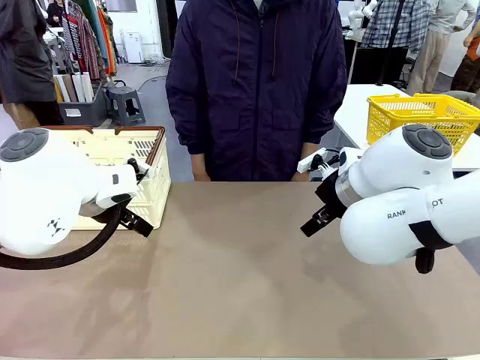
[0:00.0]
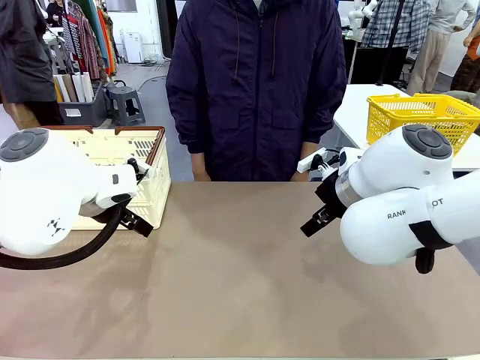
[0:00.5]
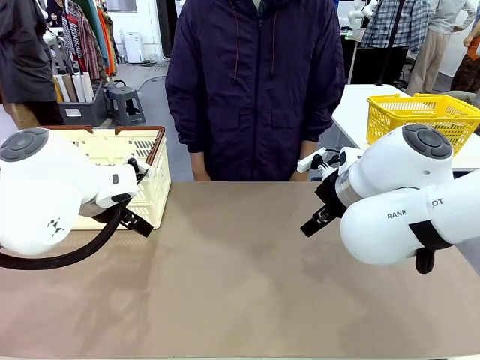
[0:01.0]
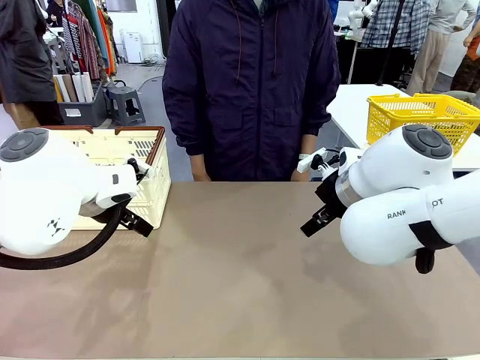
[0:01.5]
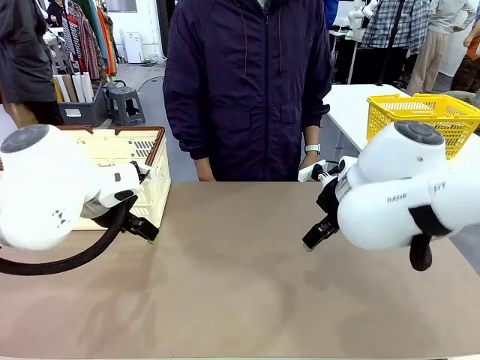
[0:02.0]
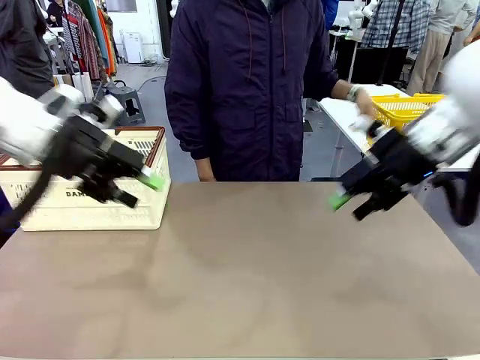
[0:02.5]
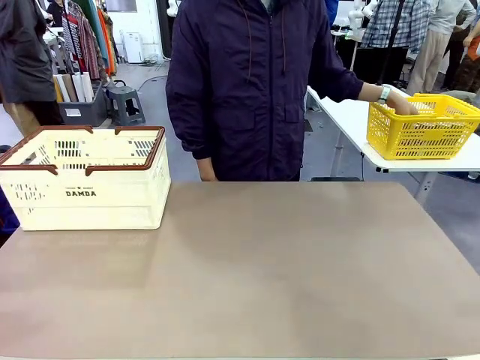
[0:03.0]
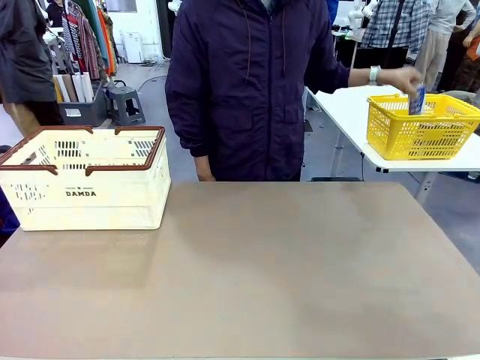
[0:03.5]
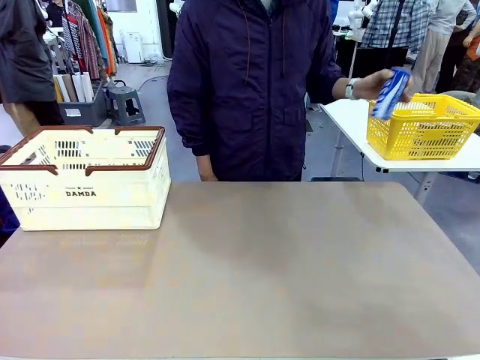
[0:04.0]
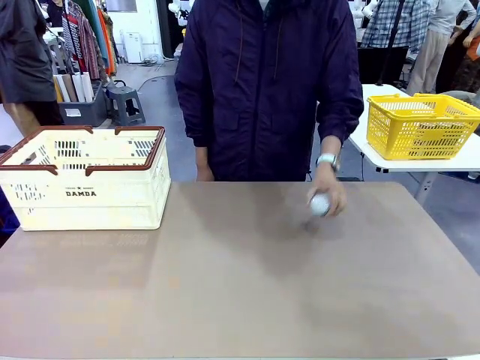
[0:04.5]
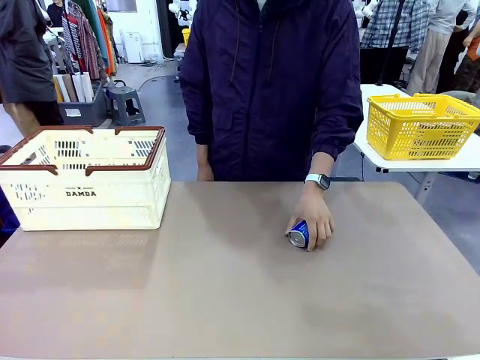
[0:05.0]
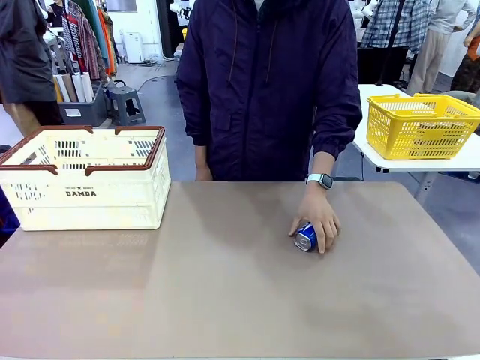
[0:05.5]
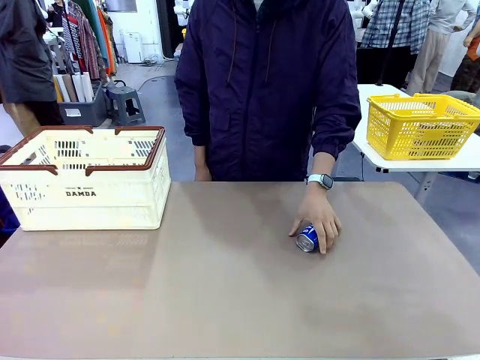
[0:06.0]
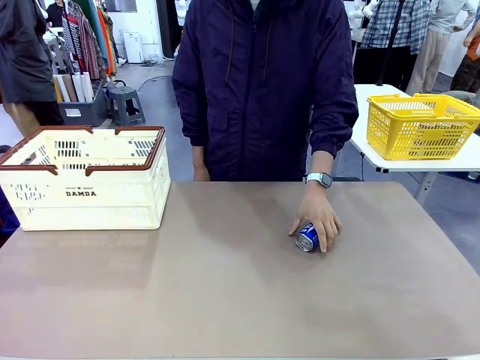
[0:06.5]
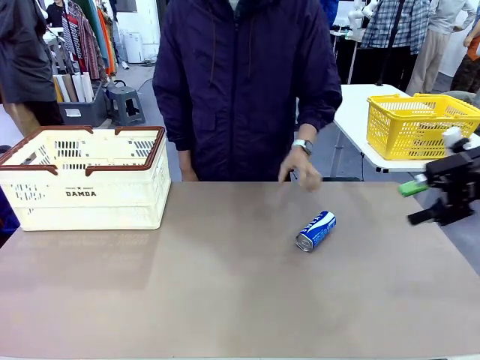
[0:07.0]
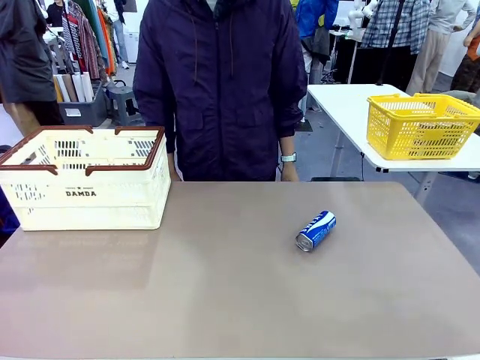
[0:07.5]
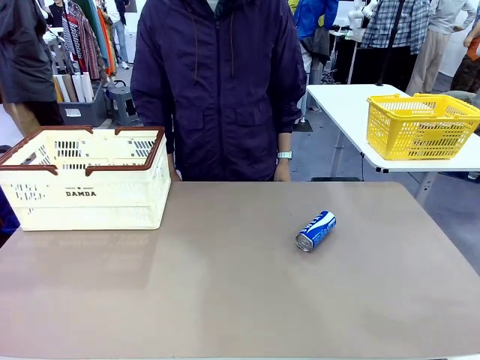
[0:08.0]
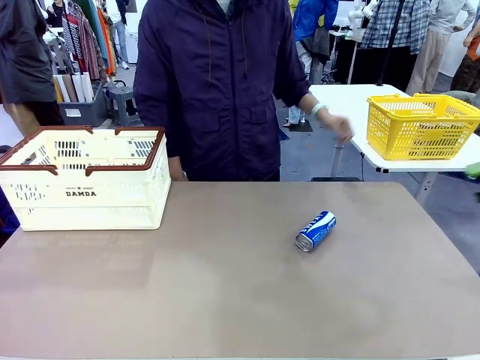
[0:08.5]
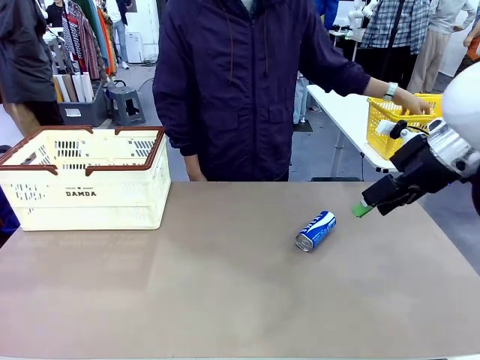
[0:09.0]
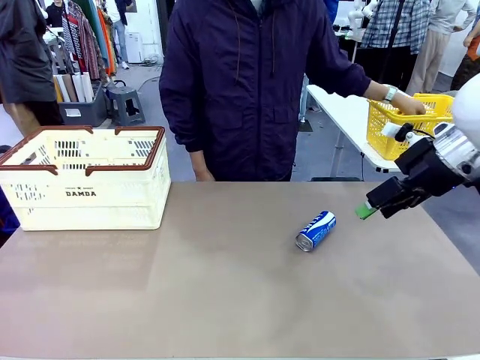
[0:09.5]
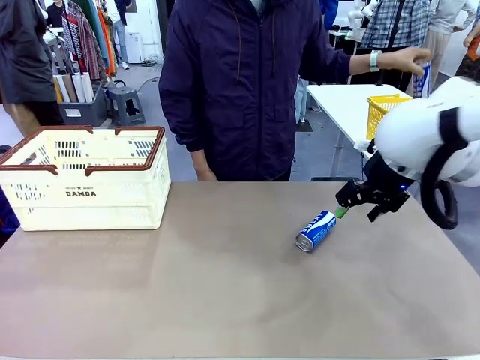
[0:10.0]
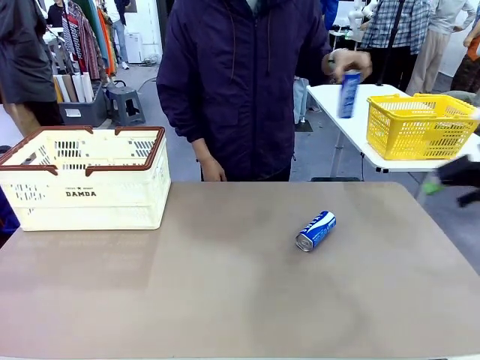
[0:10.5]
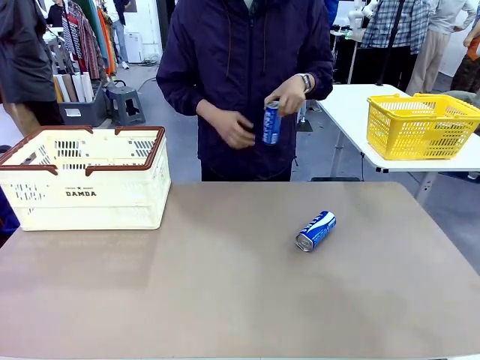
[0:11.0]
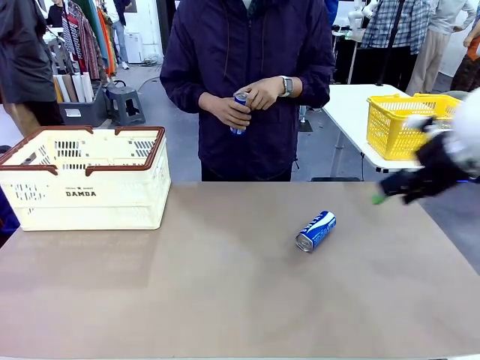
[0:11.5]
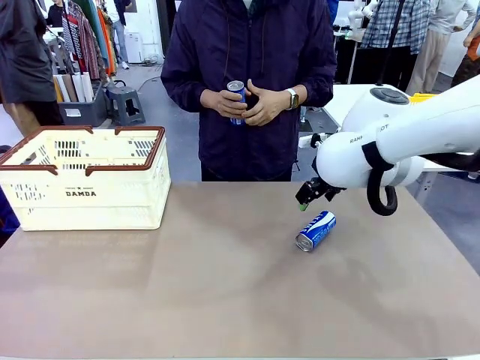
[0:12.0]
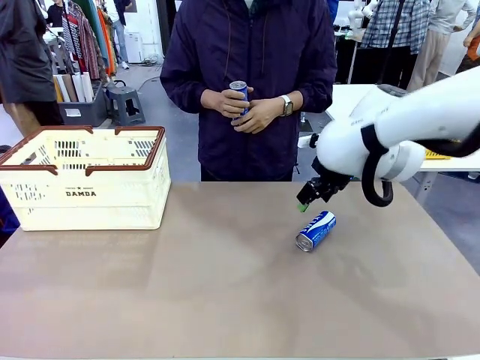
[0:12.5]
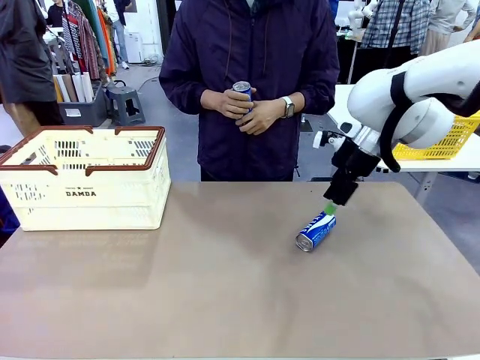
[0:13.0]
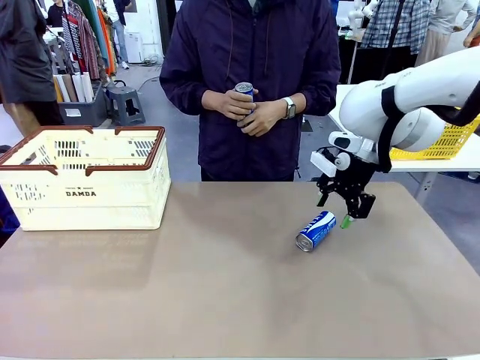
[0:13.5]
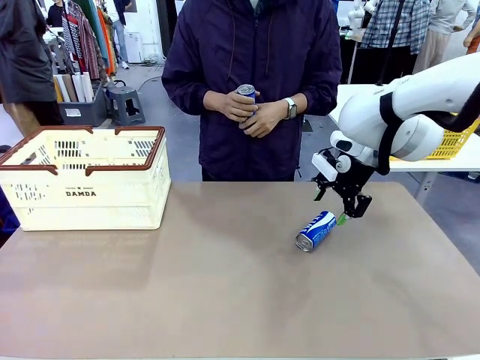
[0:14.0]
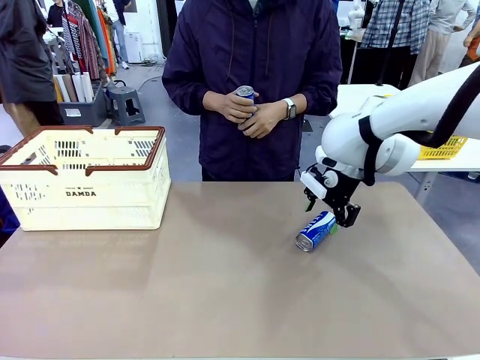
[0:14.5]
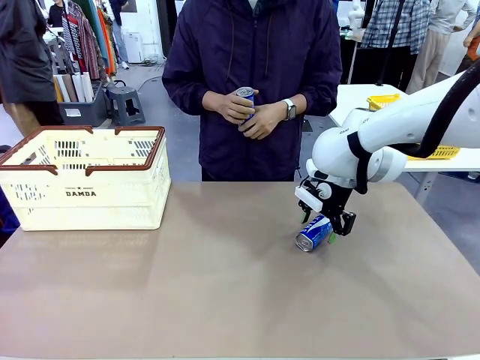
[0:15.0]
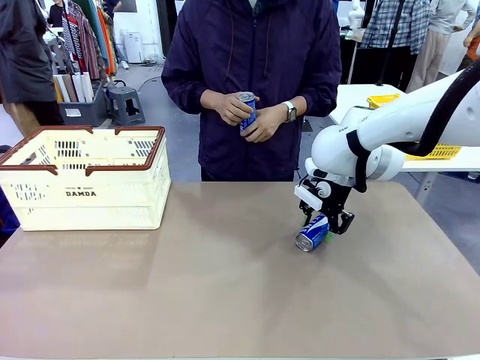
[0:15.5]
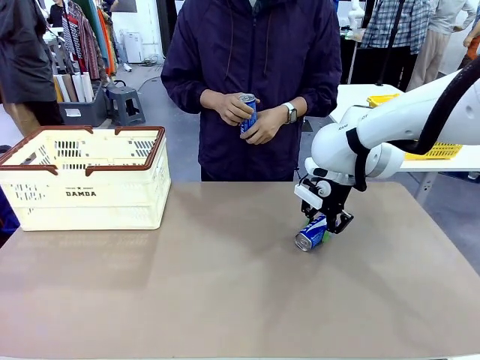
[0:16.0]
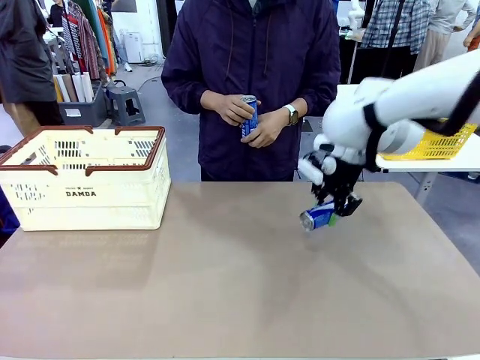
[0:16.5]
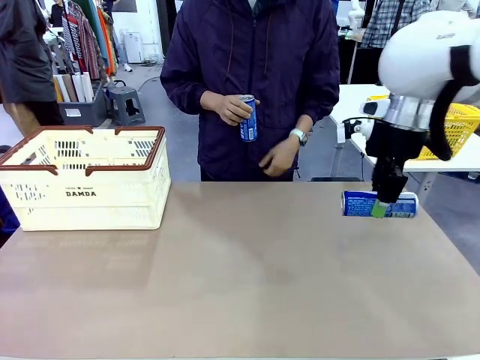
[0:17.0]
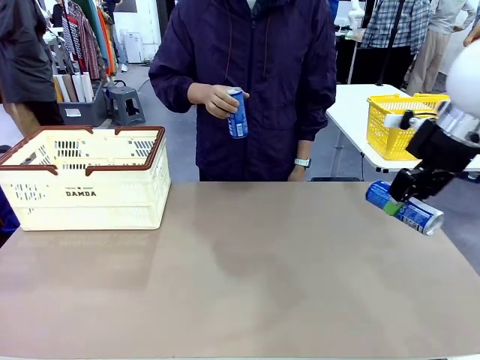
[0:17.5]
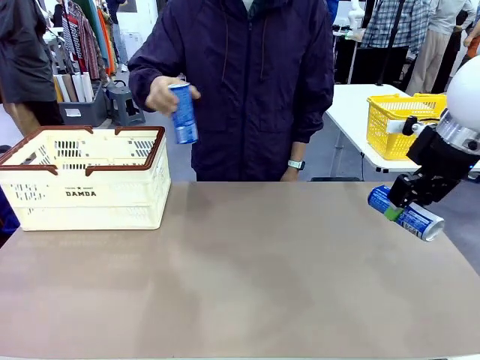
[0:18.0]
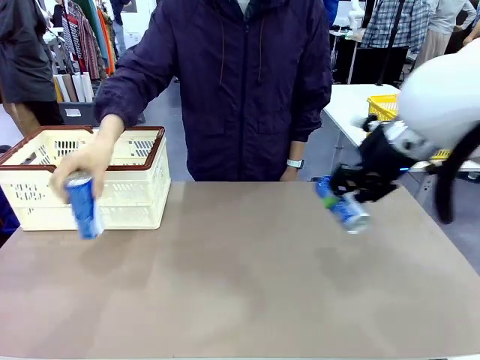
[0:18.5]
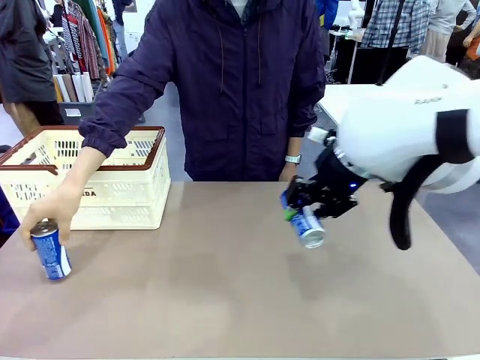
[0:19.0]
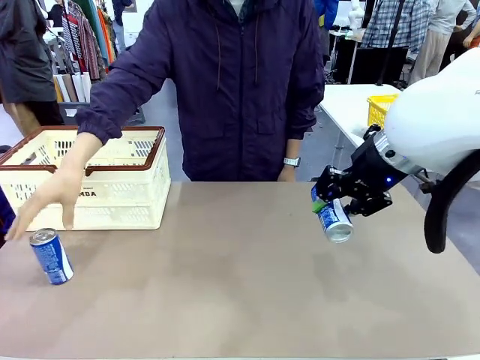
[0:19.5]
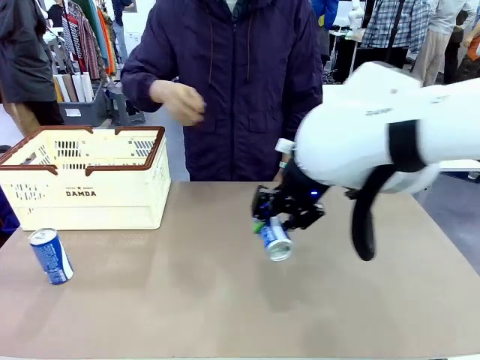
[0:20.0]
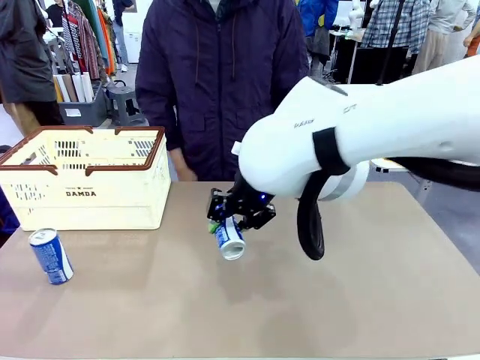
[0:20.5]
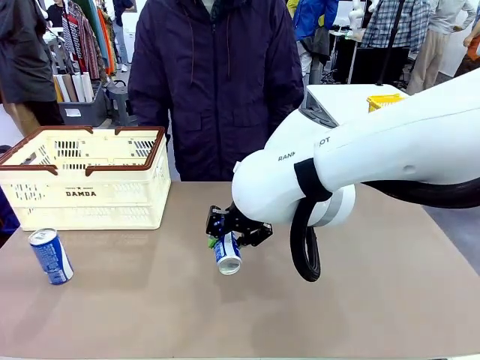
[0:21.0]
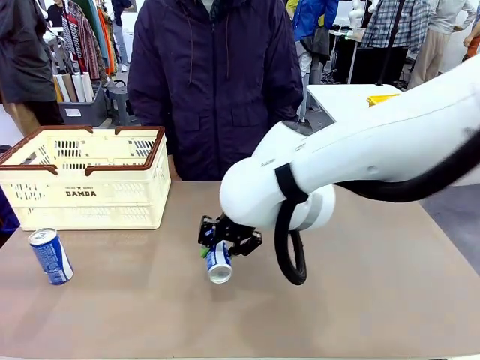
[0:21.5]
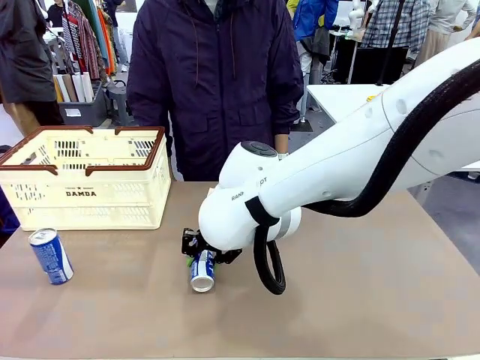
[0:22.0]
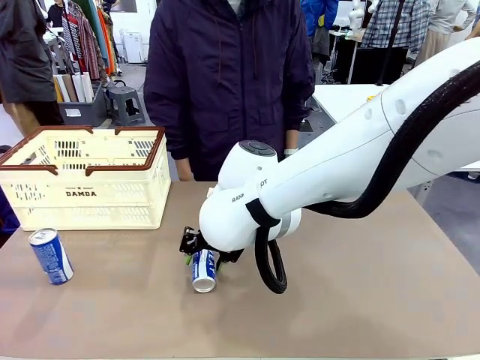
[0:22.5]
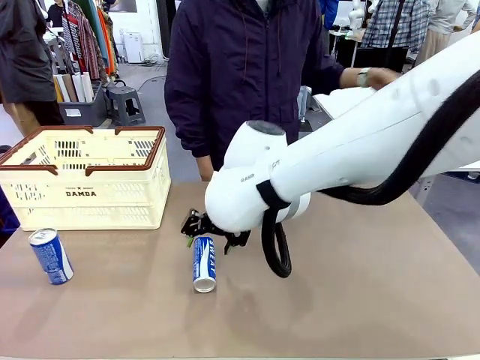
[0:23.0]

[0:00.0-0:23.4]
Task: Place the drinks into the Shopping basket.
Robot: Pick up one drink and place it into the Shopping basket.
